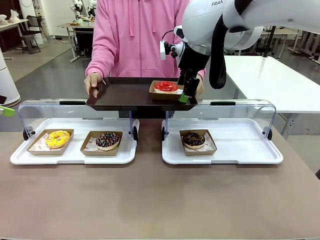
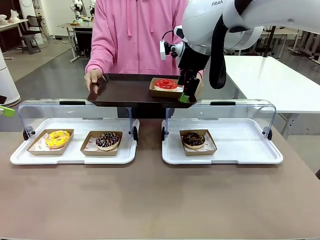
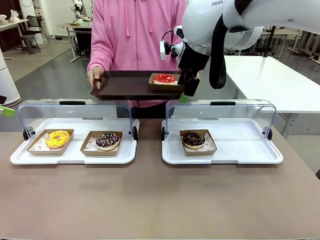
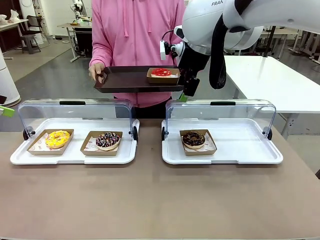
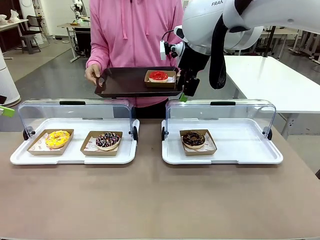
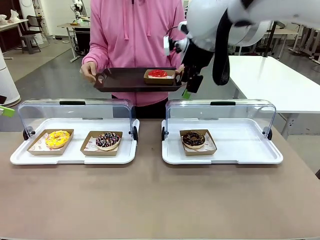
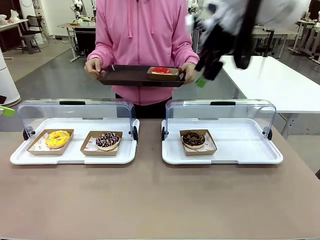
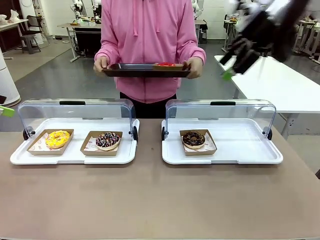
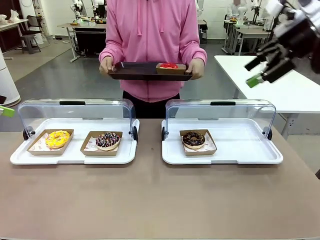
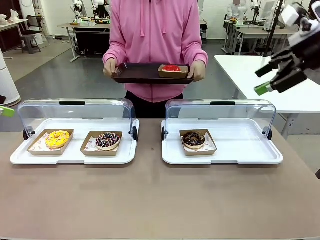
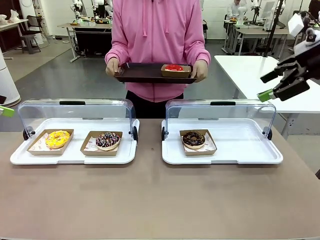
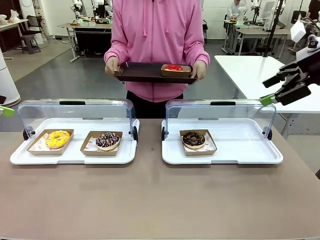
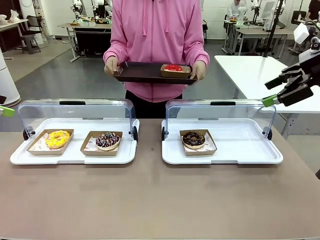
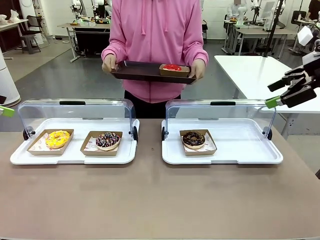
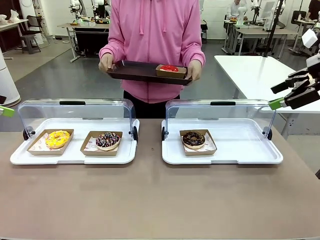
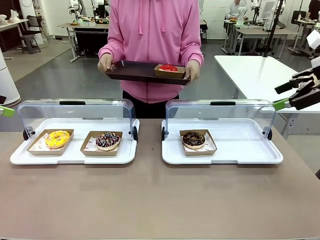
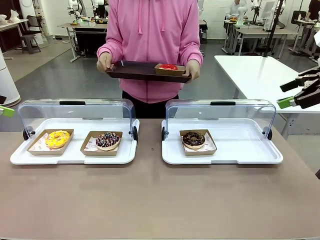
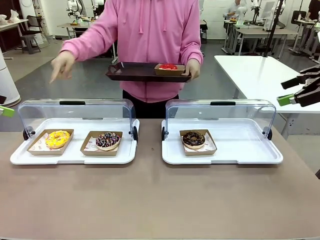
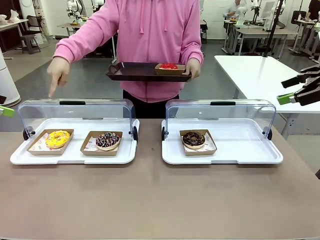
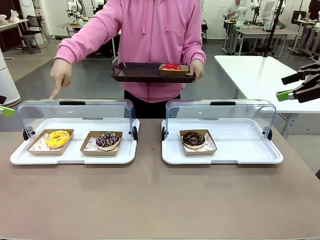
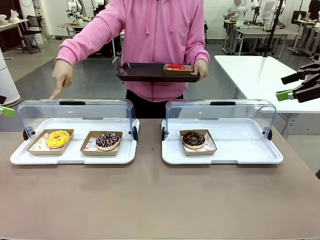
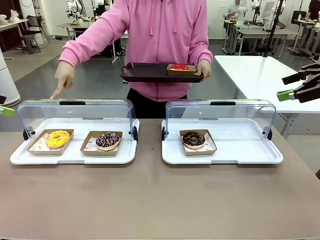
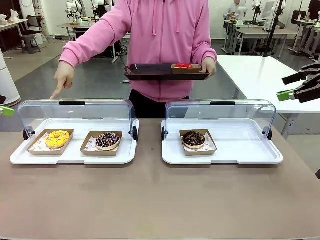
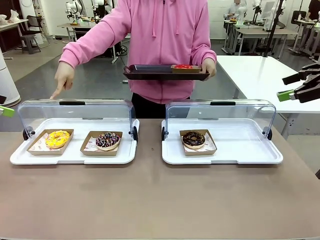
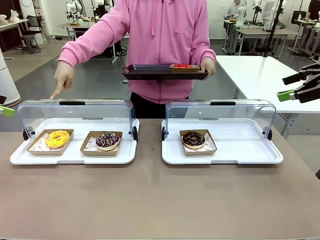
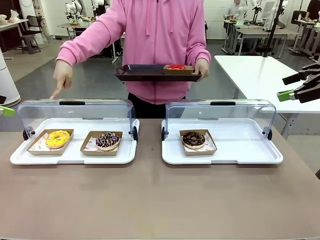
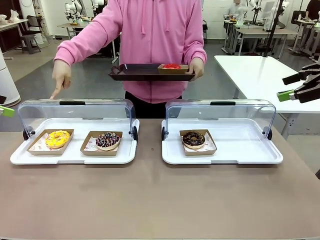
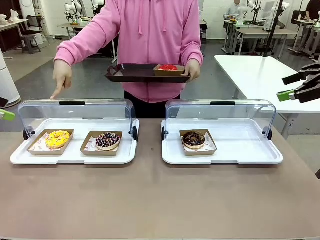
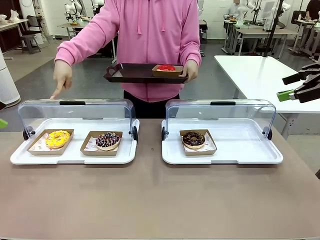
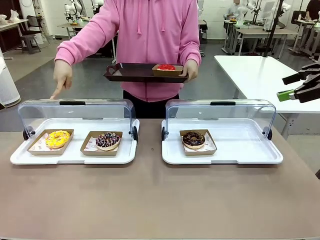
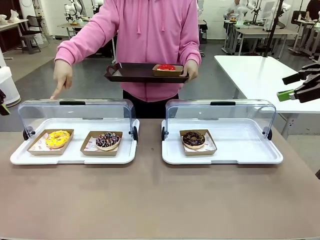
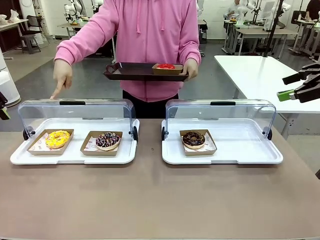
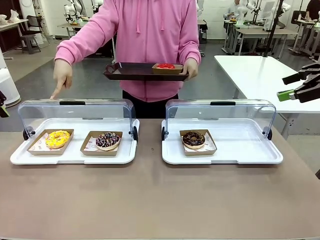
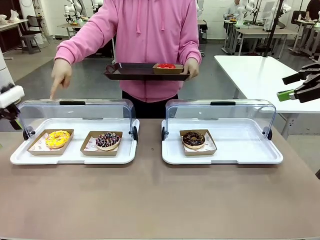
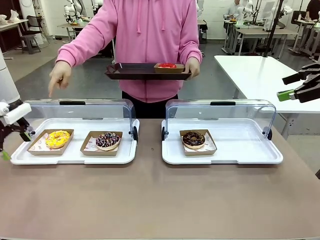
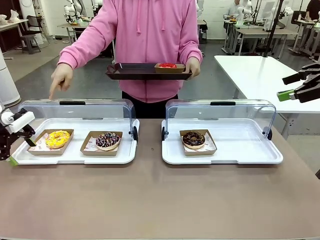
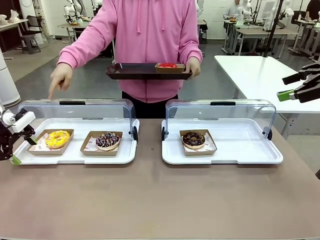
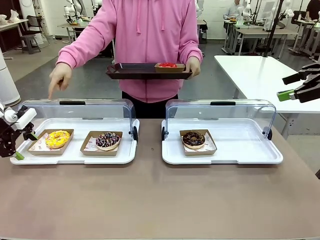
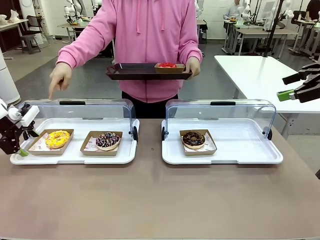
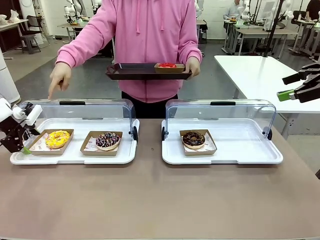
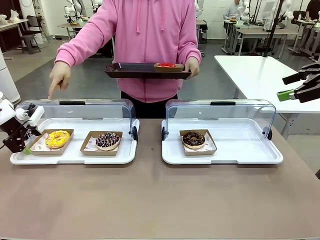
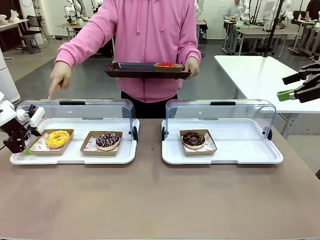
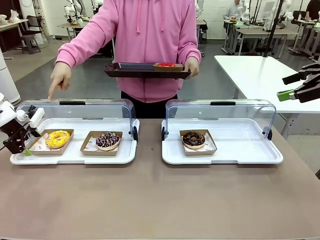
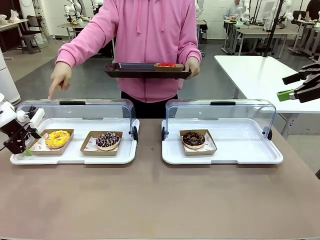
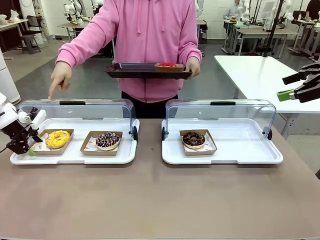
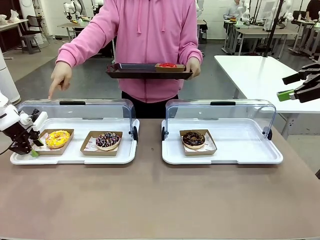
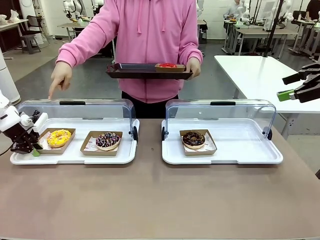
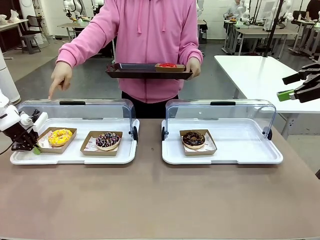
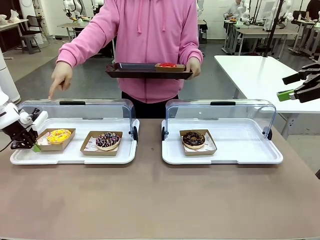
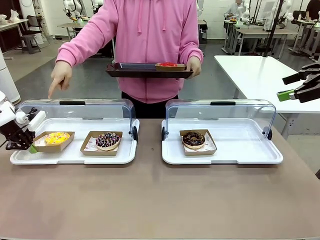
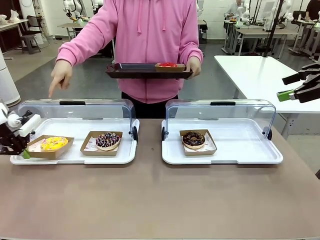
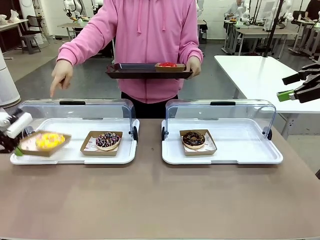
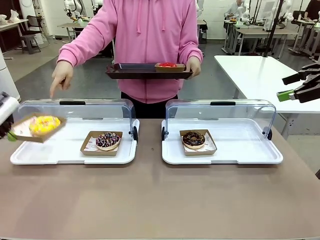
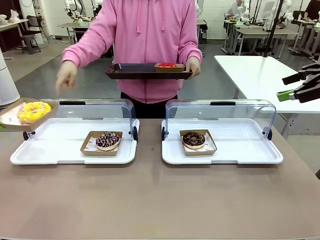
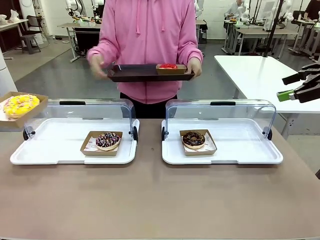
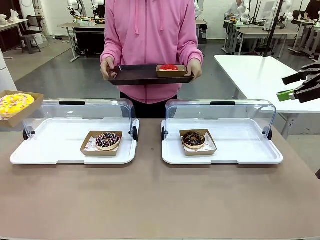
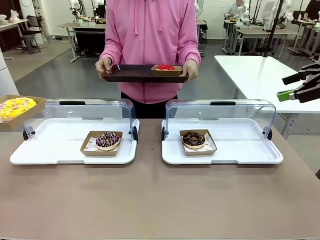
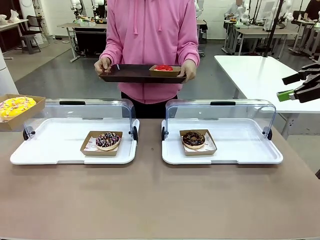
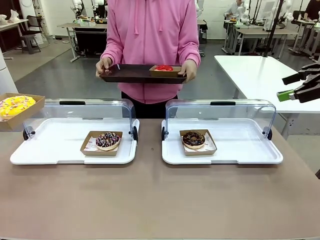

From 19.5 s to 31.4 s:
Task: Provide the desired donut to the person.
Robot: Pick up and lift the Paper togo box containing the Donut pointed at by the person.
Person: Point to one donut. Lift the tray onto the Roll-Top Bakery Case.

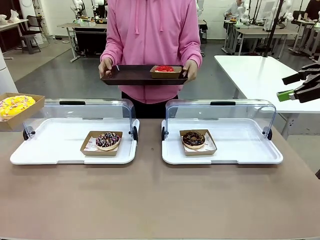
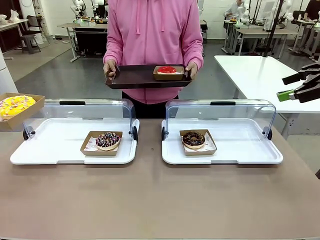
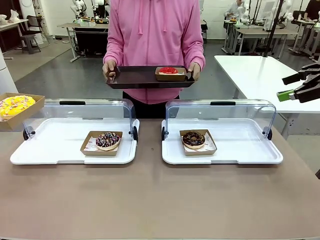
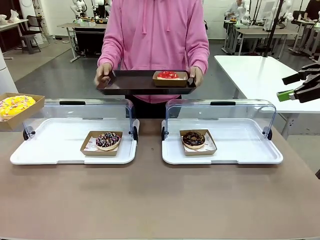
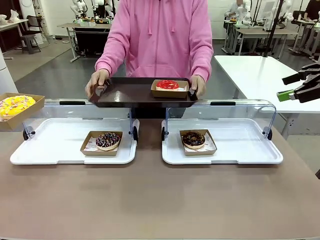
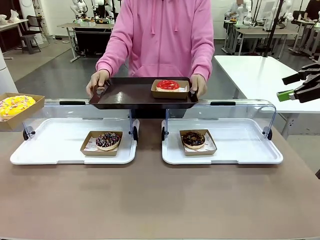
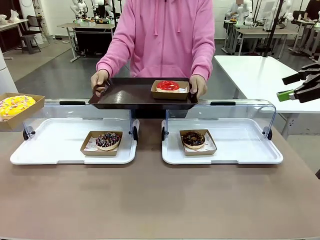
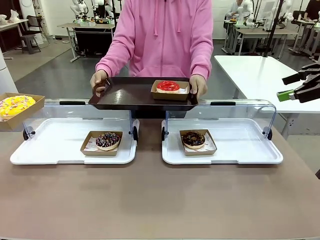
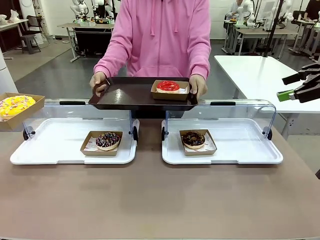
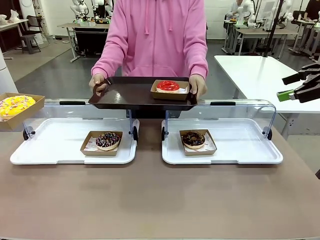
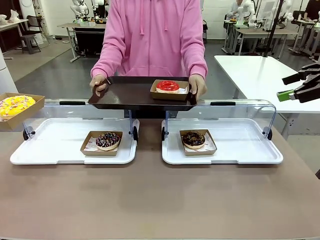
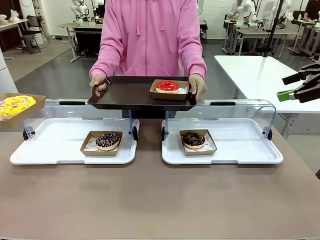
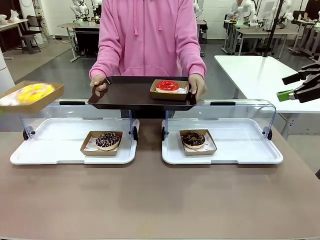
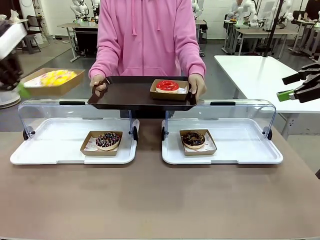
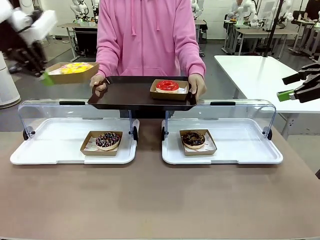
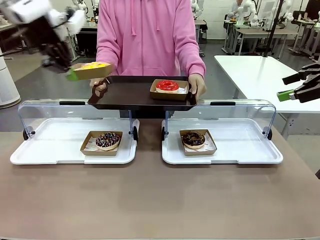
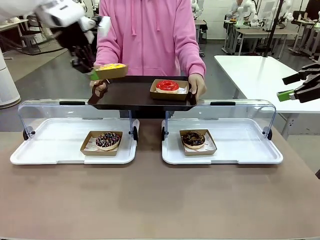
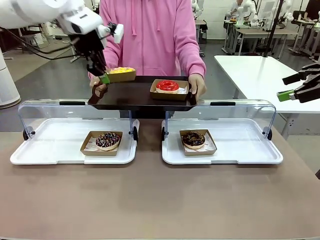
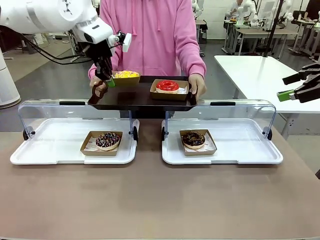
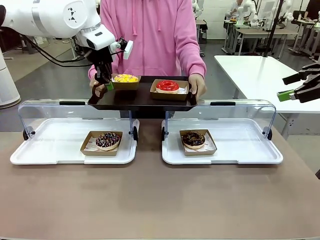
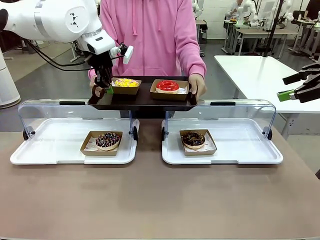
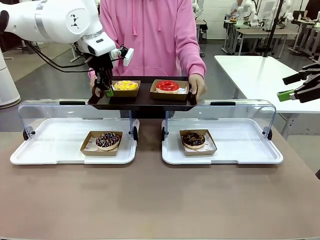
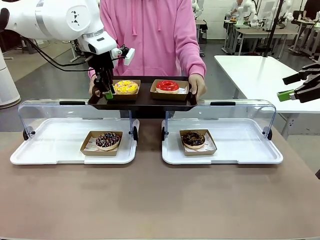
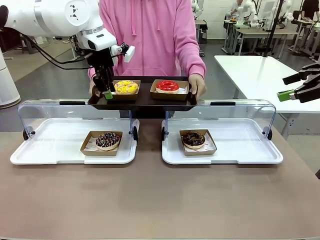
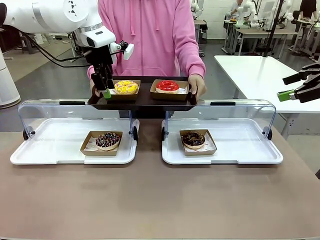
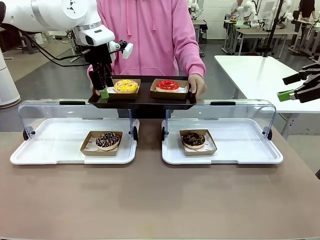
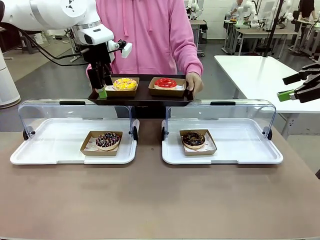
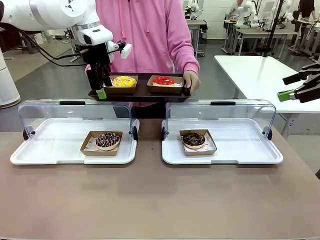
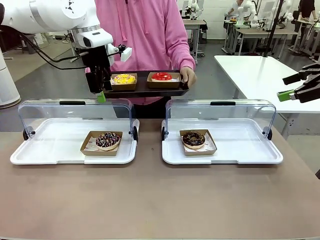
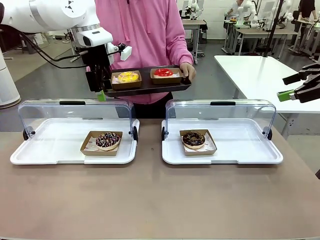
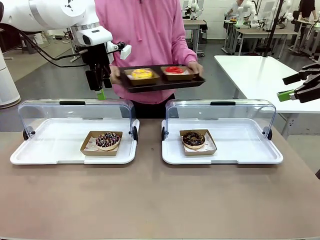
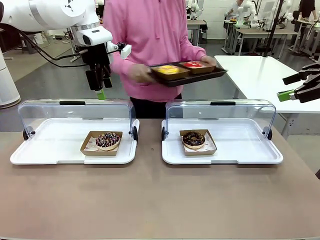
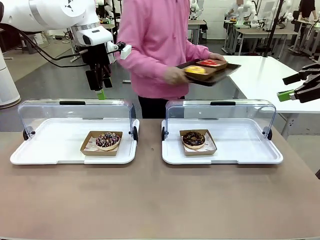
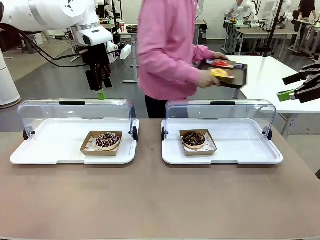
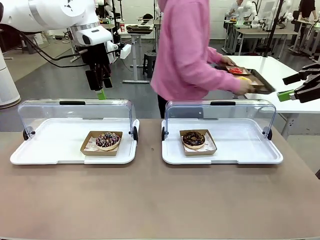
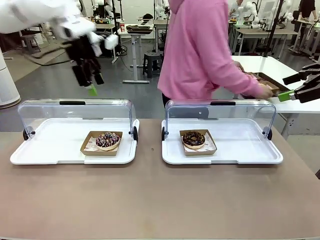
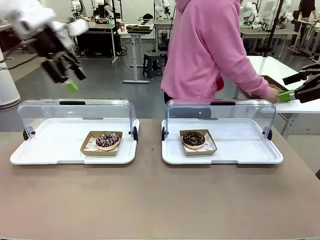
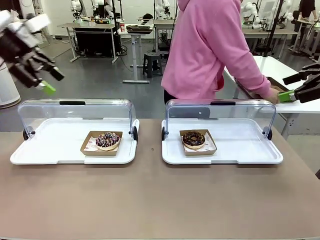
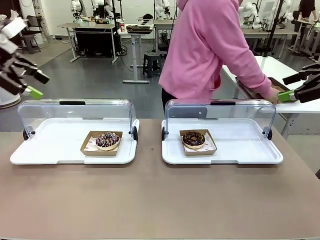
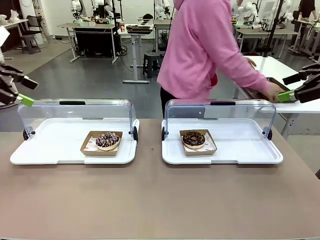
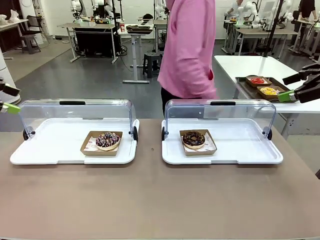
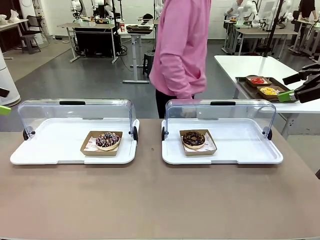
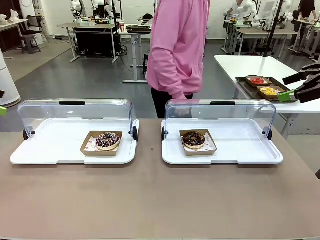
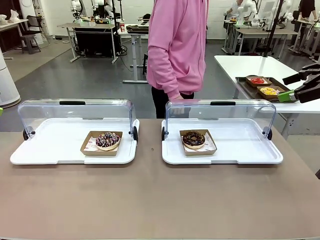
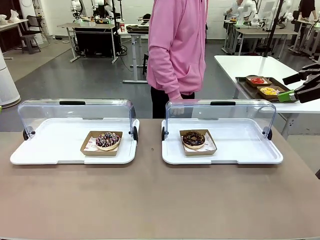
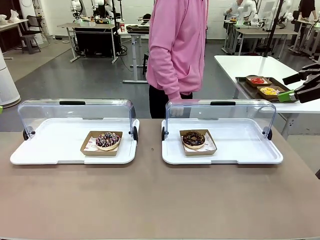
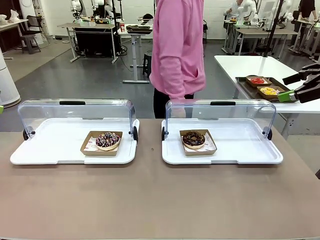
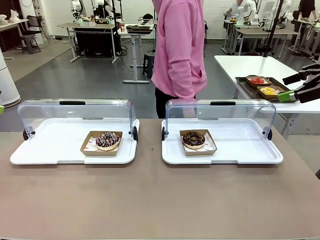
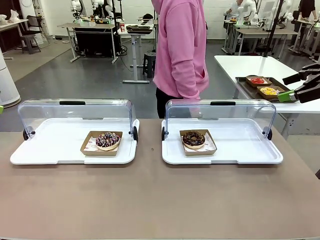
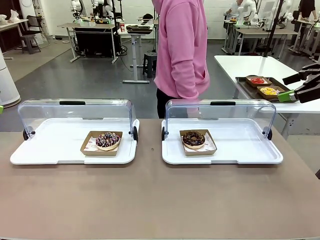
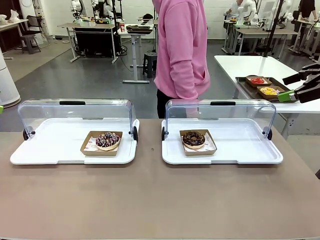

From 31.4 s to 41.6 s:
Robot: Place the picked Paper togo box onto the Handle tray extended by the person.
Person: Place the tray in the middle of the human table.
